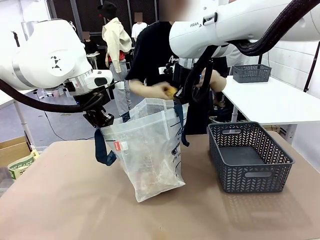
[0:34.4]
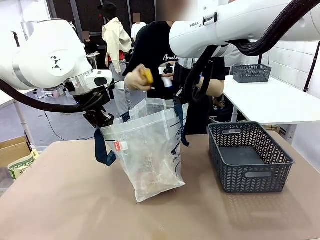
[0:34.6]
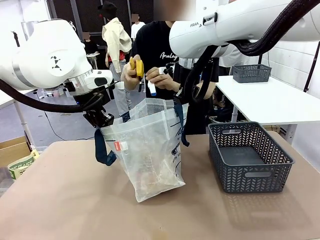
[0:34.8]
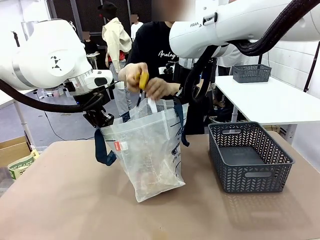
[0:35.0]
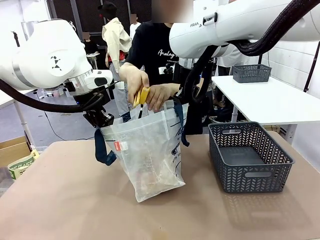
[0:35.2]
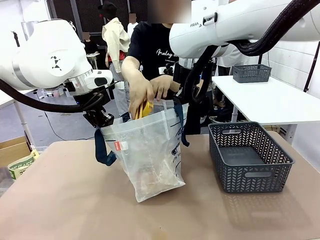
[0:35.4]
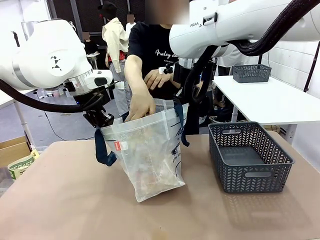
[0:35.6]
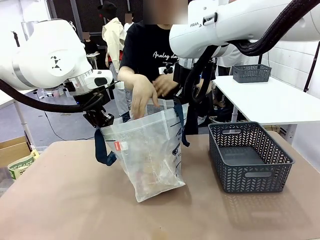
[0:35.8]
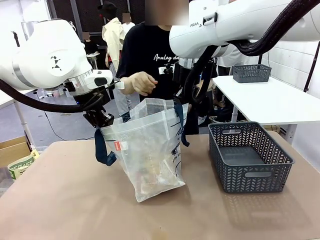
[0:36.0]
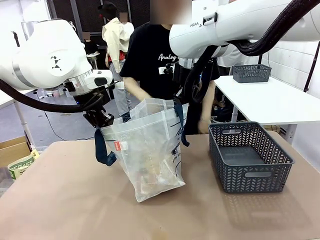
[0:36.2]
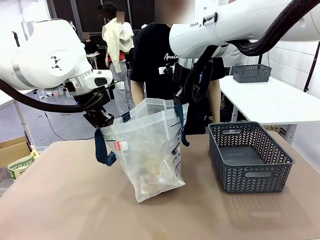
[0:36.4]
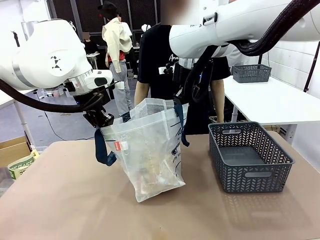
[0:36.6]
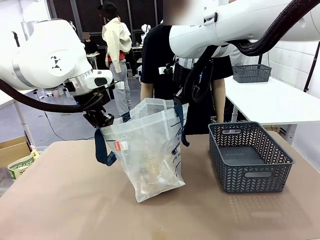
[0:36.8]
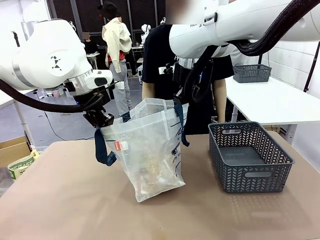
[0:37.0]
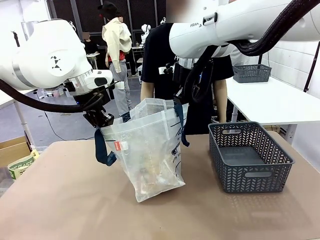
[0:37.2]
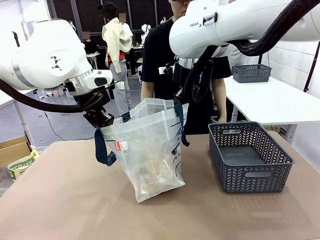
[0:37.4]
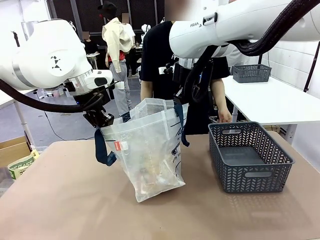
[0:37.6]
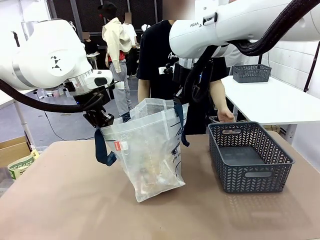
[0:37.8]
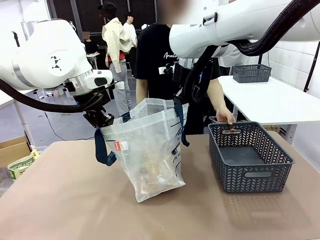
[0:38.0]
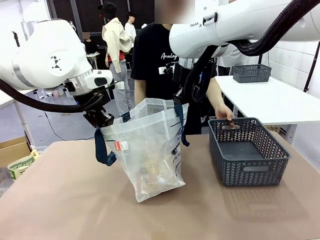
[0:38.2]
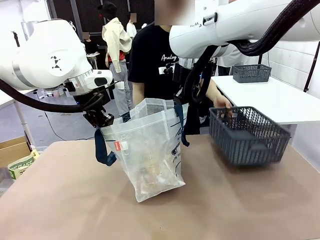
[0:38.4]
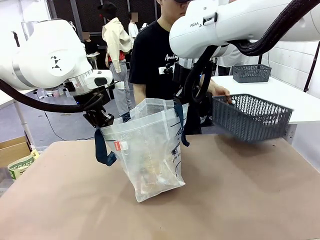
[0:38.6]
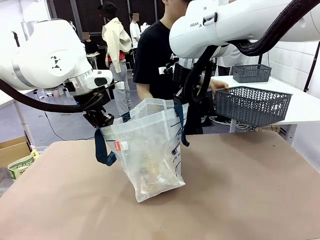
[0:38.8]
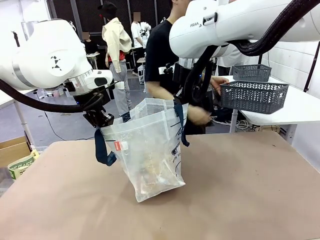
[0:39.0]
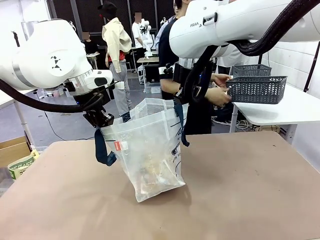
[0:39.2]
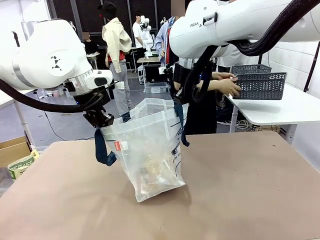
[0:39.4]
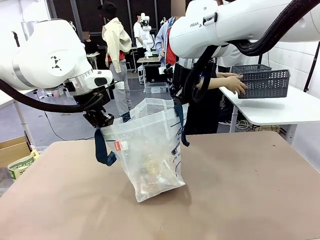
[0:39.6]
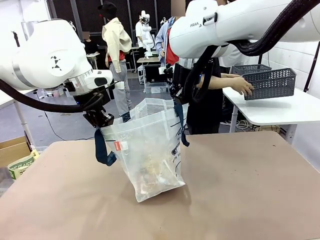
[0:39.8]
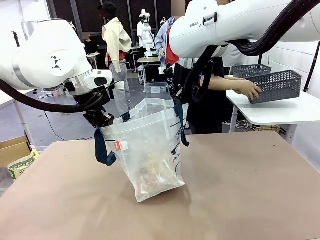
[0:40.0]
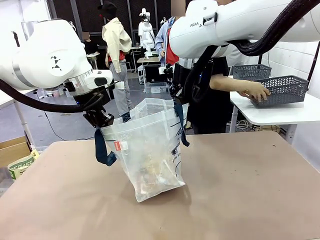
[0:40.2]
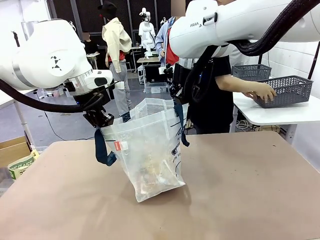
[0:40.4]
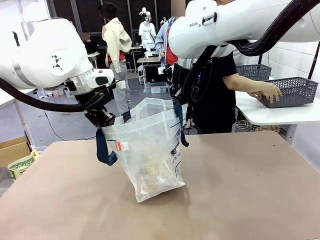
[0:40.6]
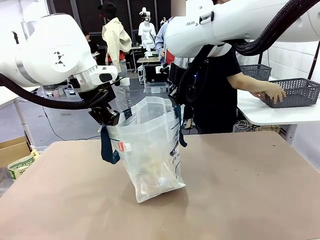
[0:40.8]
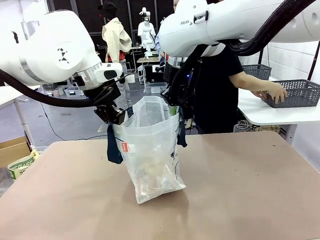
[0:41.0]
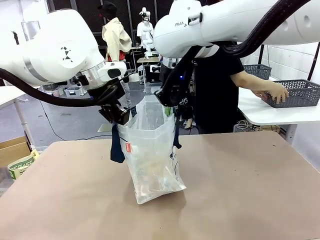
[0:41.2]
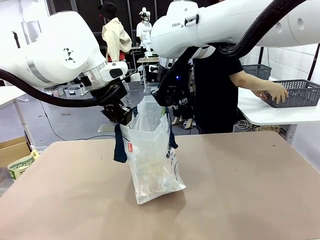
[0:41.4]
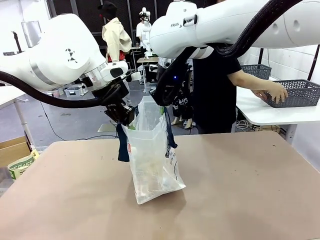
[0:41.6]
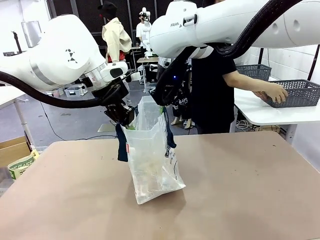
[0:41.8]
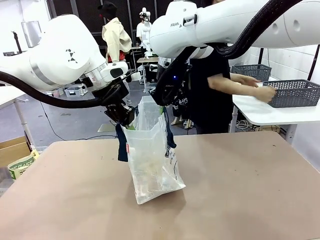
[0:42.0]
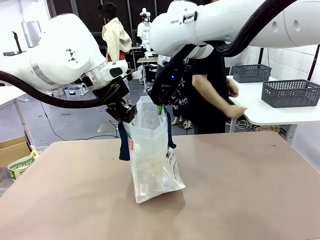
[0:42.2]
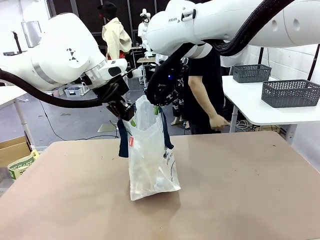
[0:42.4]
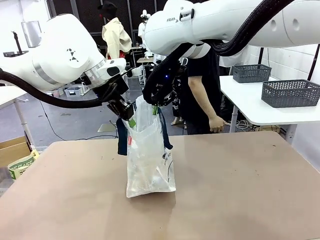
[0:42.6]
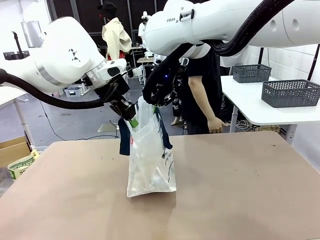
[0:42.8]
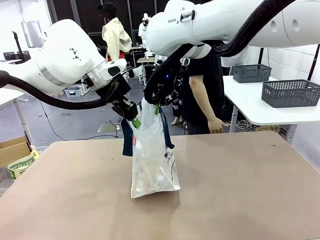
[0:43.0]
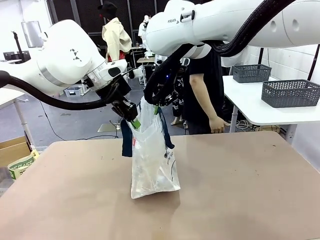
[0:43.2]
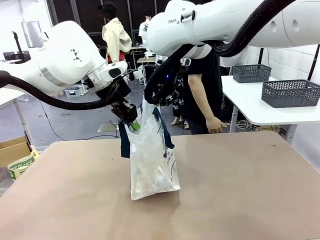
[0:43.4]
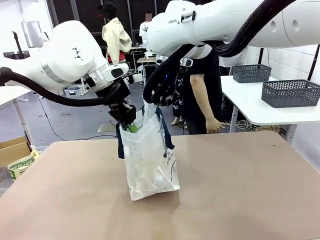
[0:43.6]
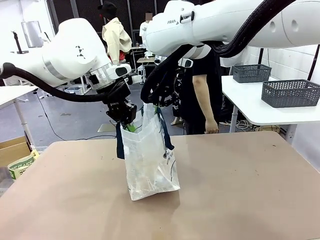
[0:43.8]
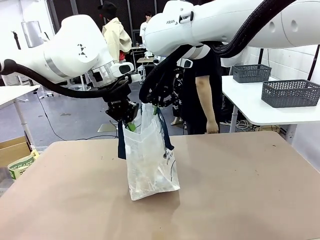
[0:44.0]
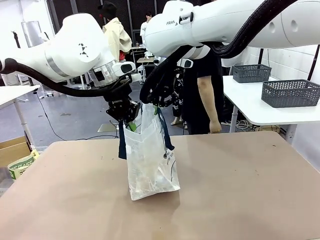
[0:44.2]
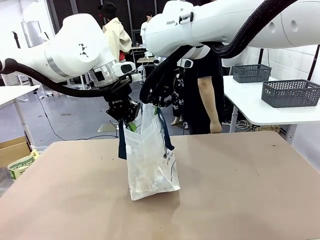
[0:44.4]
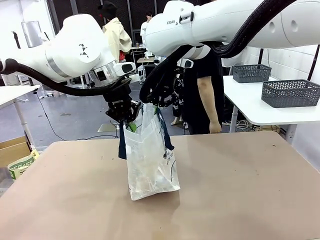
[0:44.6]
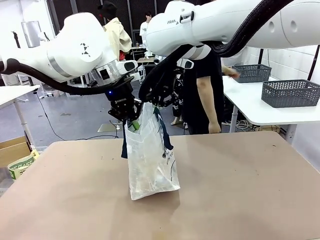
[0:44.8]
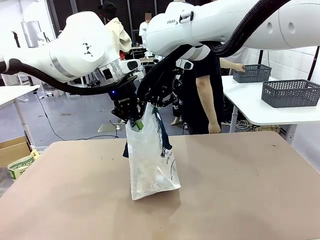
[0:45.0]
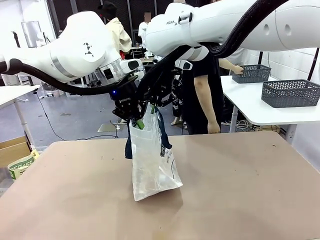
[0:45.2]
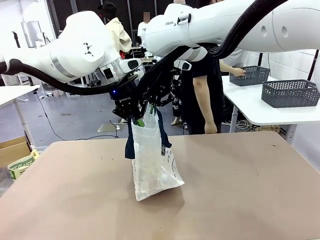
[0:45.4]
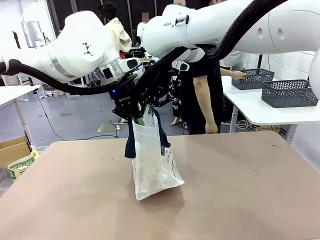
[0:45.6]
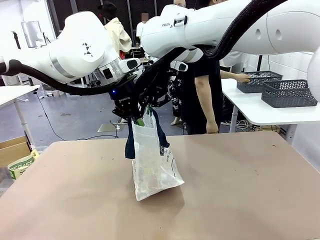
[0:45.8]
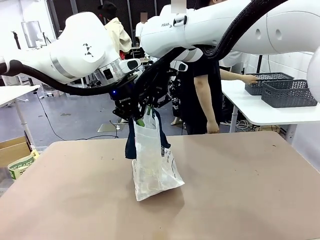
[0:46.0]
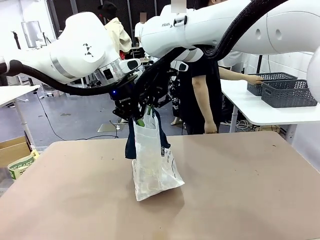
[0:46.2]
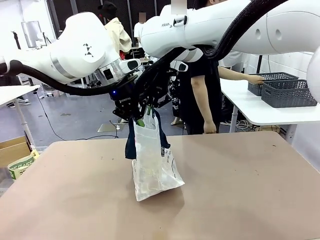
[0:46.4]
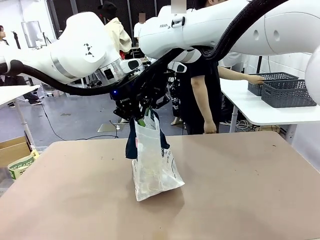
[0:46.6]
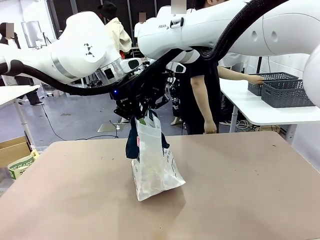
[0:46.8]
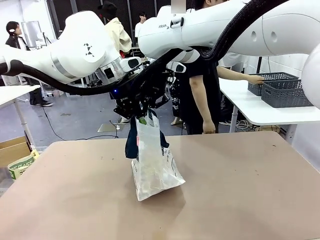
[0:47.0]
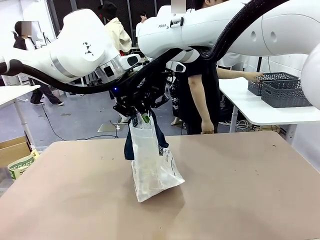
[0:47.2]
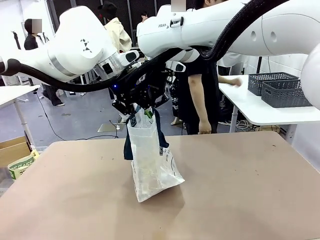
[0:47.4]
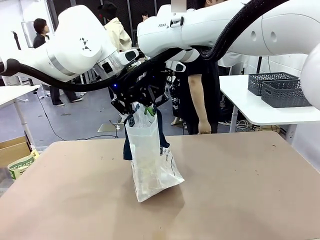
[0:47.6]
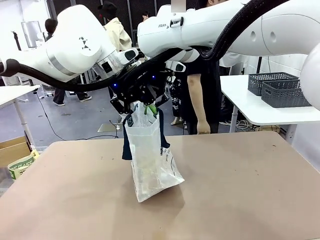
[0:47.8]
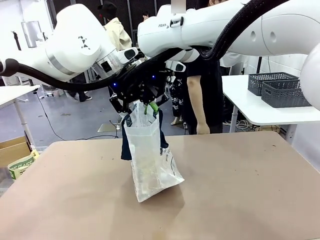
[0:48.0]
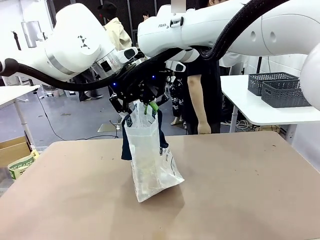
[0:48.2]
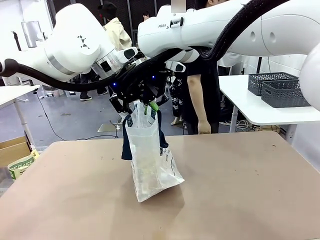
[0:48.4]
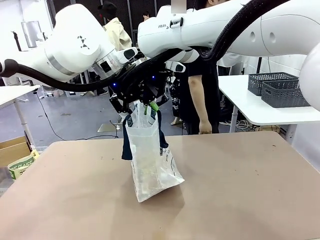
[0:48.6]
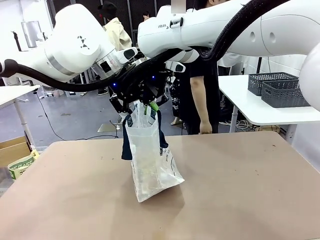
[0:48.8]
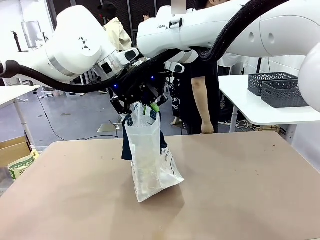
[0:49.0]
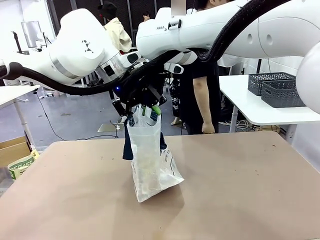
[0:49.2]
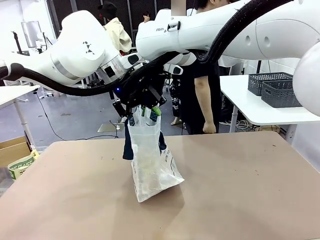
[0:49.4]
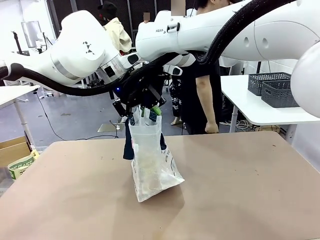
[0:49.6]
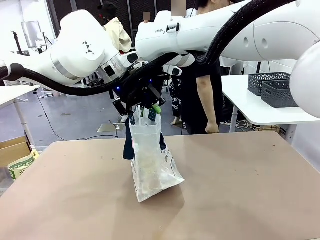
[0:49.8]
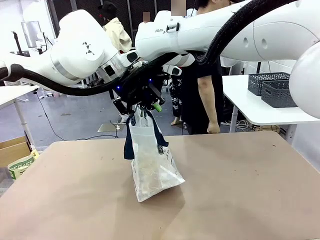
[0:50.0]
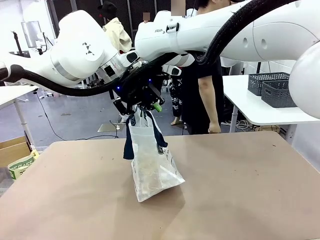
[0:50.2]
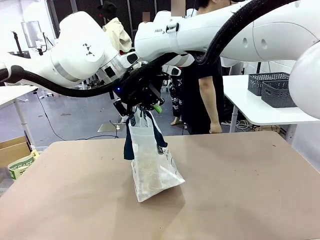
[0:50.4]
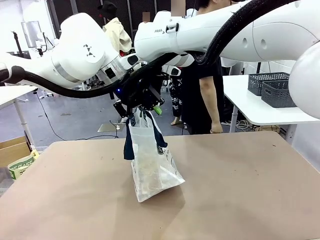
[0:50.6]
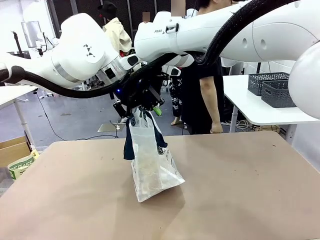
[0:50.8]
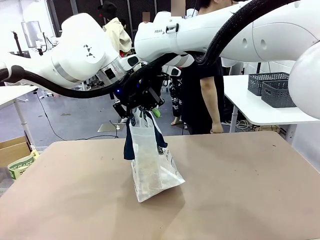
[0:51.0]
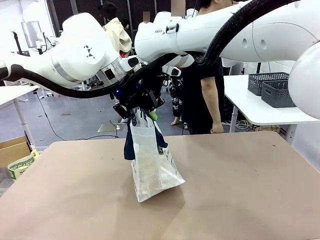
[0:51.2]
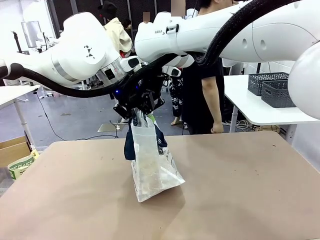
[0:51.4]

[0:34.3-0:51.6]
Task: Transfer purchased items from the store into the shopping bag.
Robot: Move the Reusable shopping bag to the right side of the table.
Person: Pick up the basket with the items out and place it on the right side of the human table.
